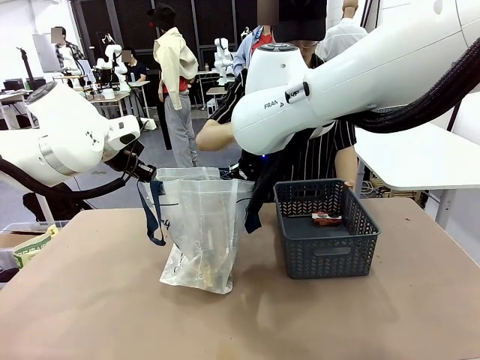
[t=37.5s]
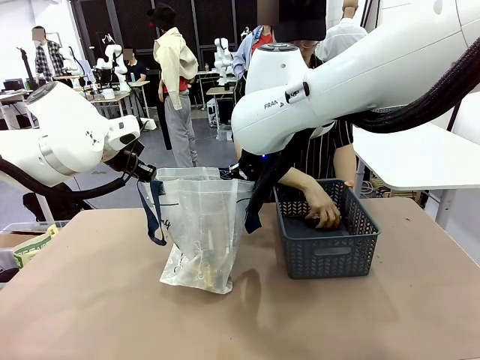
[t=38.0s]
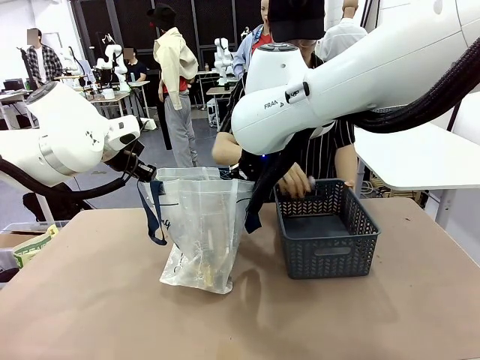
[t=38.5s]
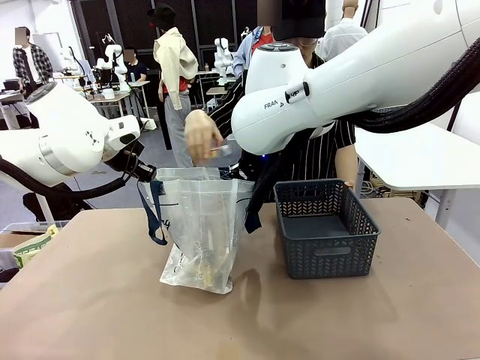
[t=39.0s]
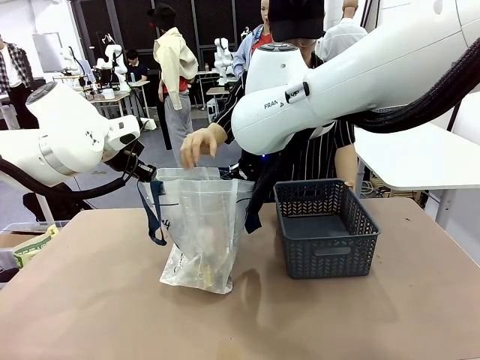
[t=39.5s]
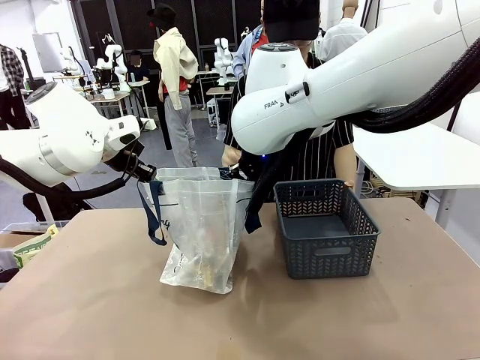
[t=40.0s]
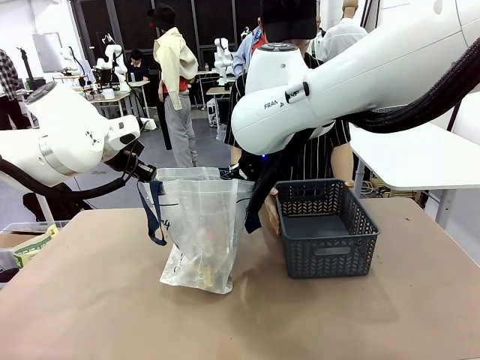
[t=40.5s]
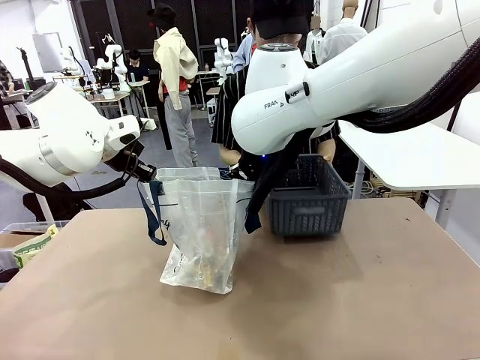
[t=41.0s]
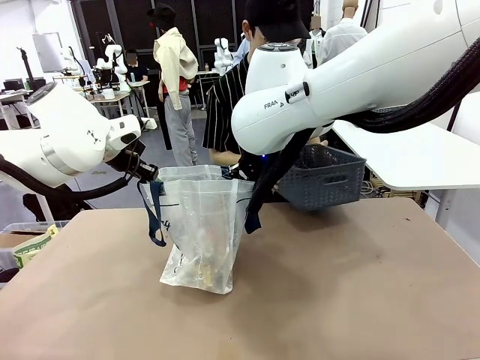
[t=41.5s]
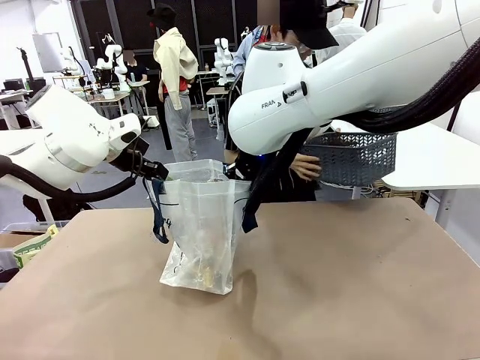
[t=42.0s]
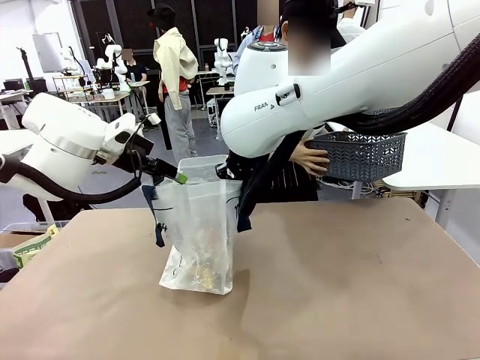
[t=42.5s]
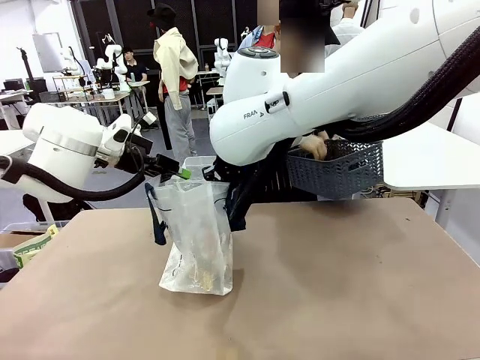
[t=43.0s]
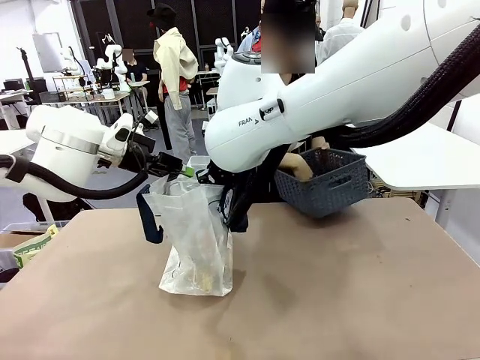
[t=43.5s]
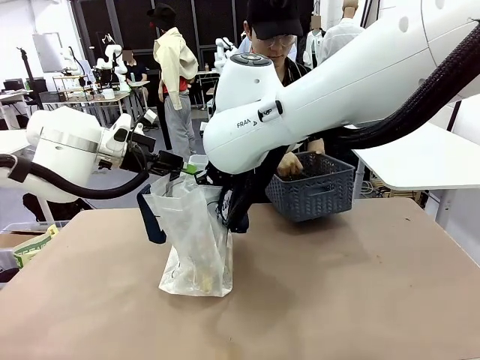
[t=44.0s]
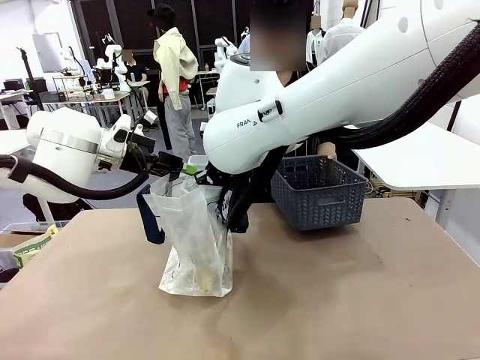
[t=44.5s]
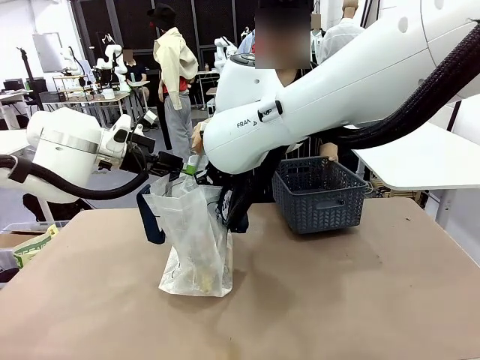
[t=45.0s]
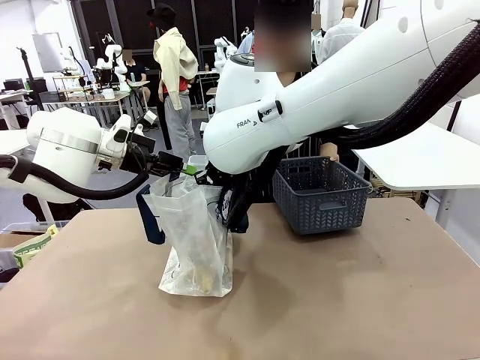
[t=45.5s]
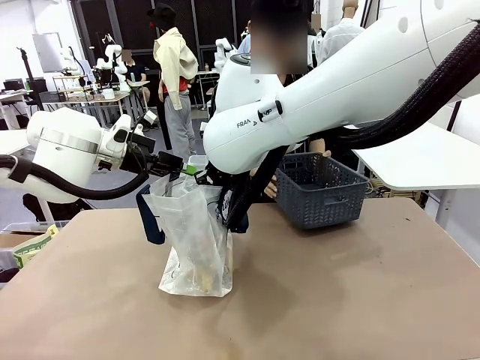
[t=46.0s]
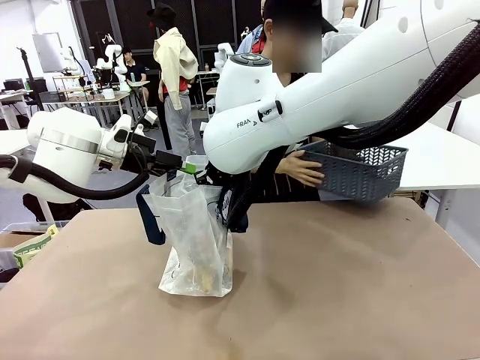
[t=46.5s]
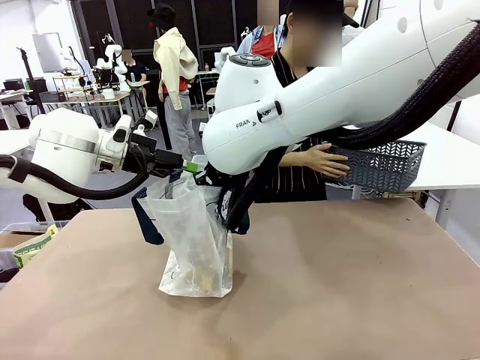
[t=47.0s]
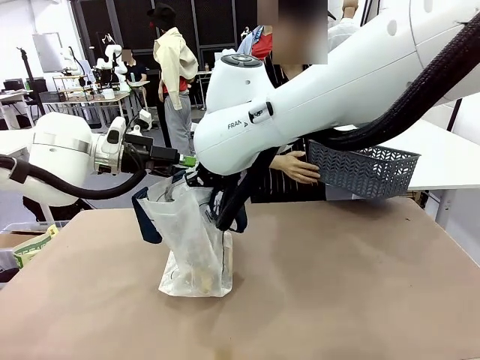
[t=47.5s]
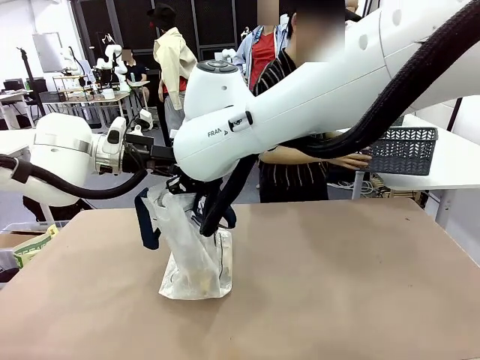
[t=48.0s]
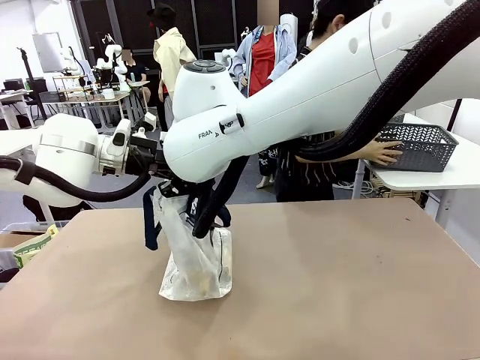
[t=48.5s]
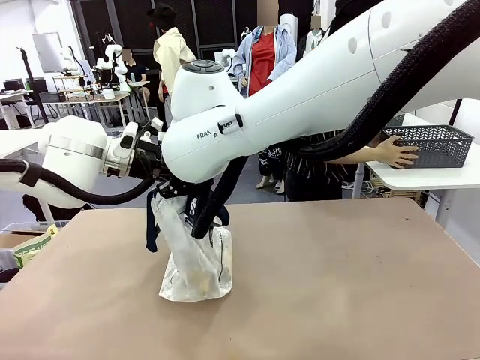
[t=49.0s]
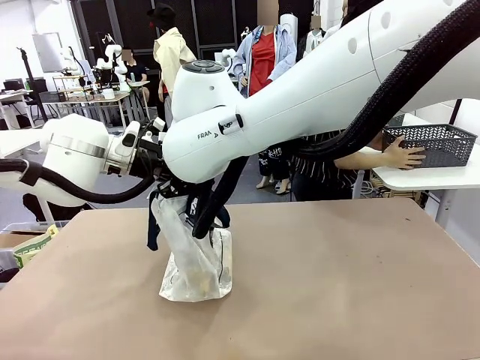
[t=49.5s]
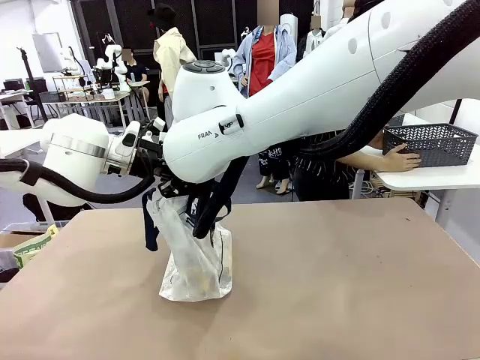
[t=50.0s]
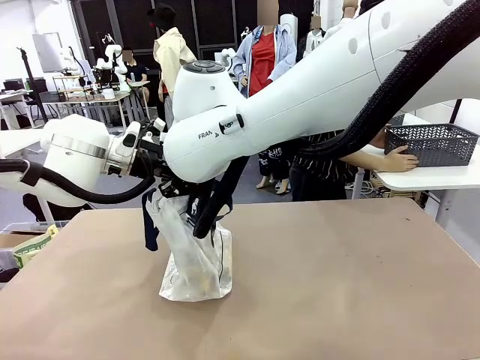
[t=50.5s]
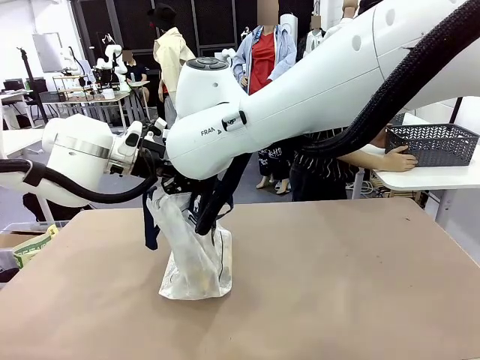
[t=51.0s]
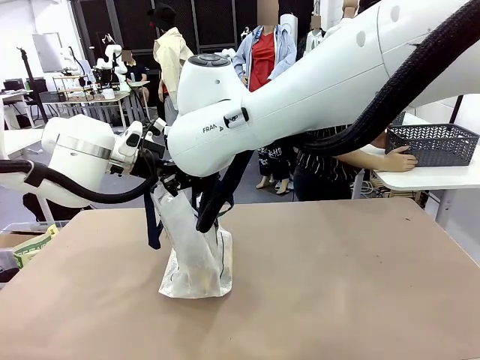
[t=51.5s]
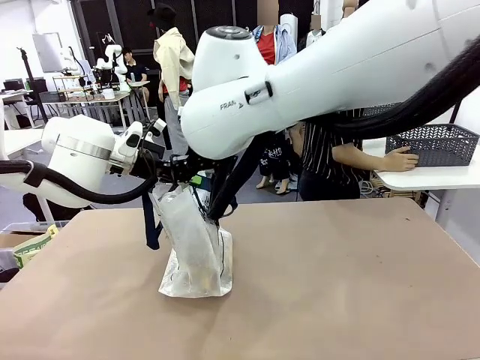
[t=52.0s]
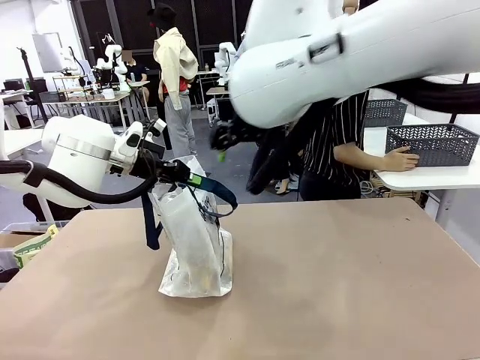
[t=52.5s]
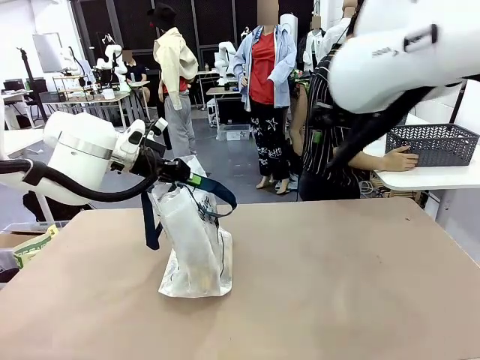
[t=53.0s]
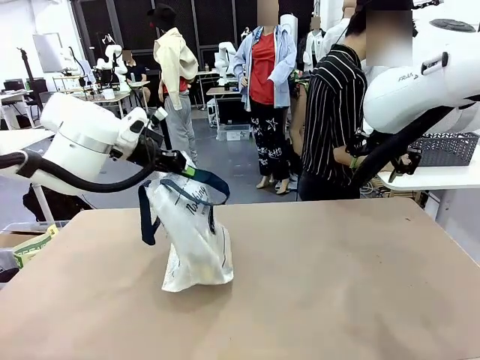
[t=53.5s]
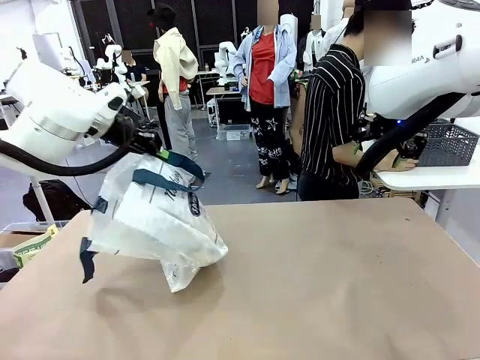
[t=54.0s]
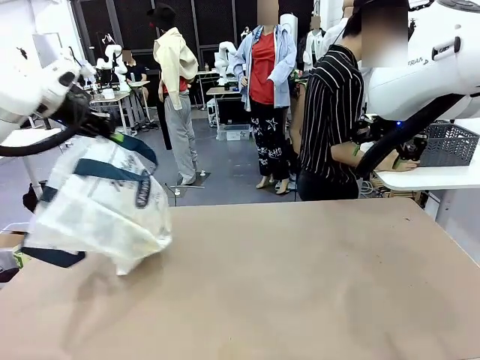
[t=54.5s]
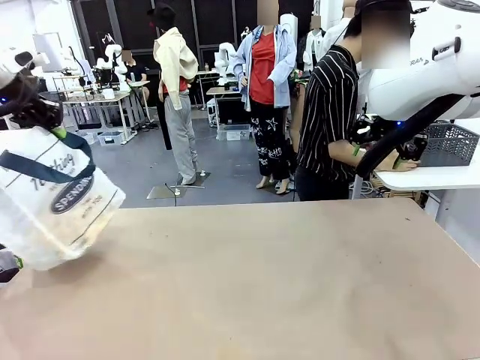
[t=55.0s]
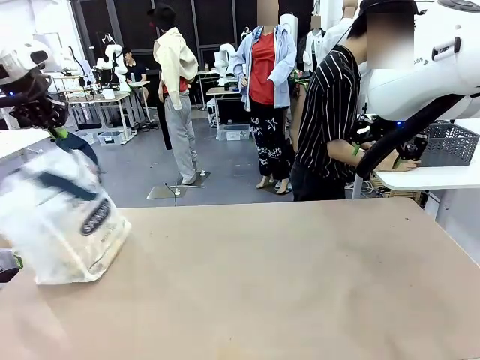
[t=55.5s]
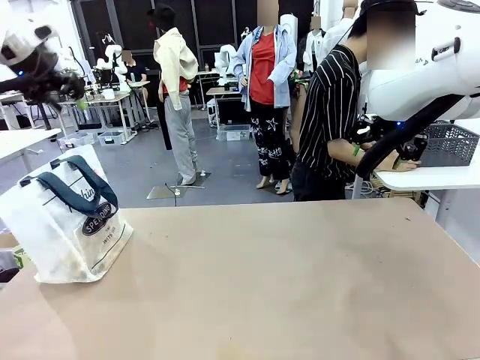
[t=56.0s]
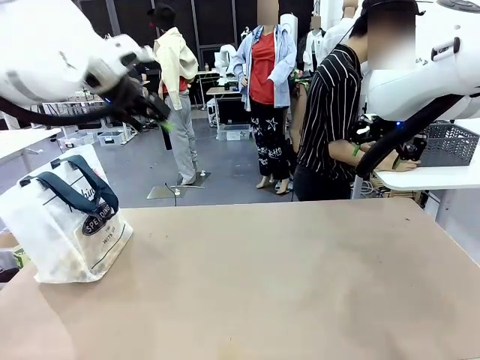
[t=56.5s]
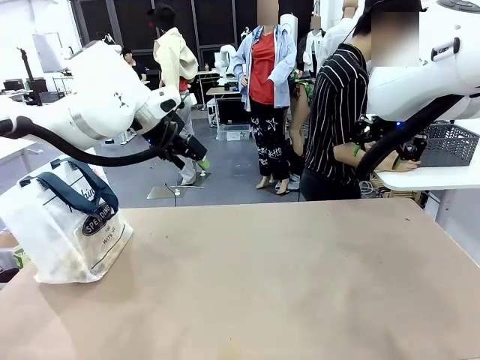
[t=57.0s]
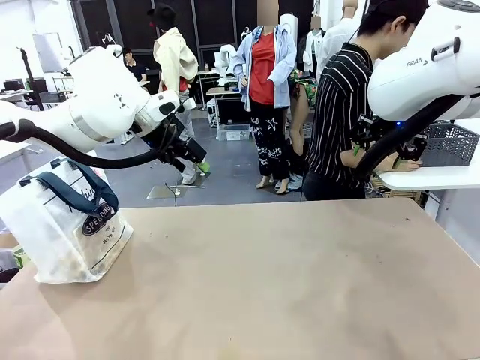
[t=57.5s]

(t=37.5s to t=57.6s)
Task: Transfer purchased items from the store into the shopping bag.
Robot: Move the Reusable shopping bag to the right side of the table.
Person: Move the basket on the left to the middle of the person's table.
